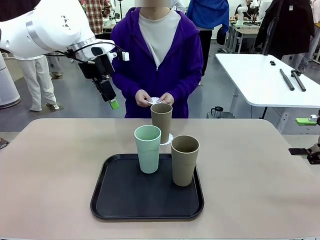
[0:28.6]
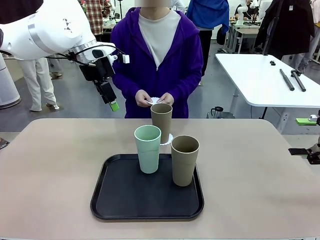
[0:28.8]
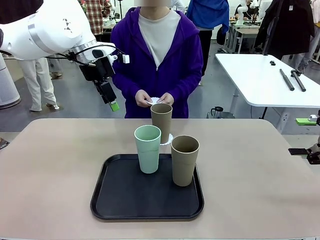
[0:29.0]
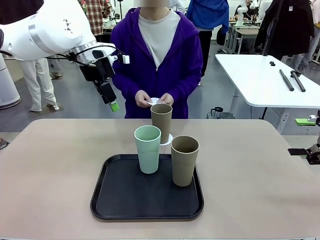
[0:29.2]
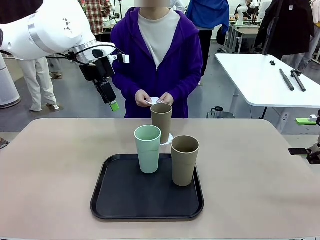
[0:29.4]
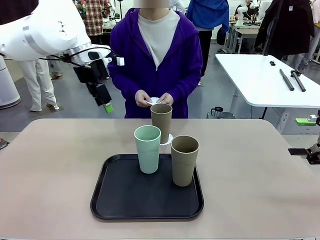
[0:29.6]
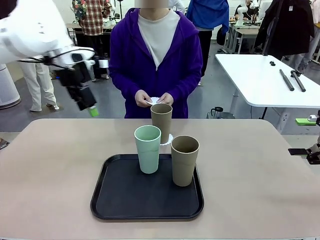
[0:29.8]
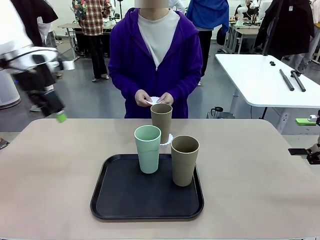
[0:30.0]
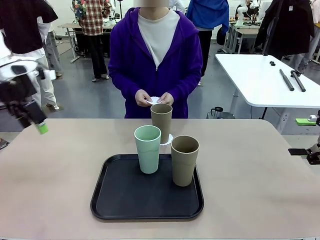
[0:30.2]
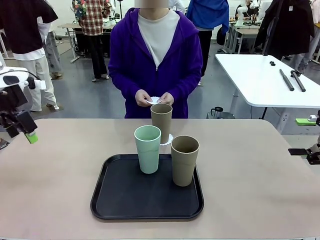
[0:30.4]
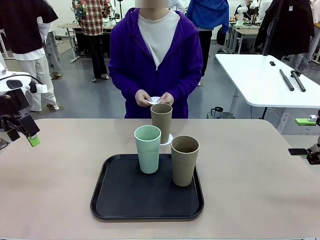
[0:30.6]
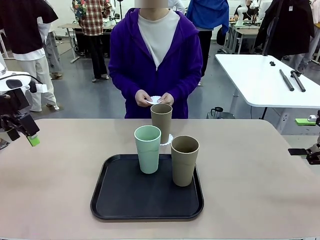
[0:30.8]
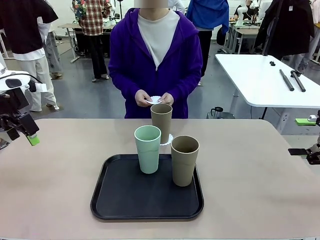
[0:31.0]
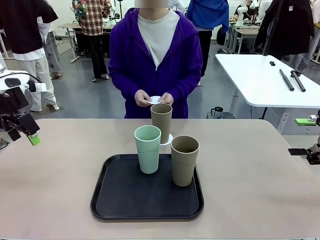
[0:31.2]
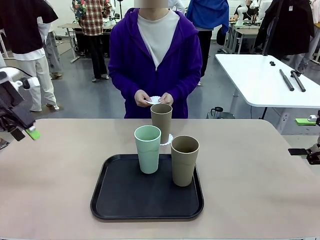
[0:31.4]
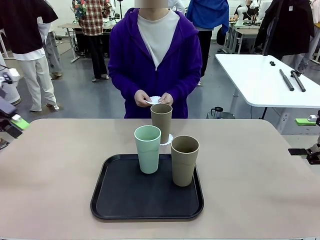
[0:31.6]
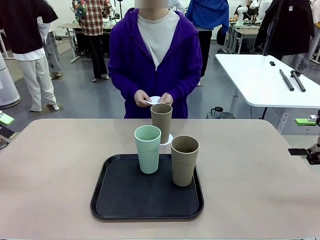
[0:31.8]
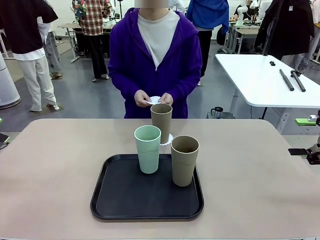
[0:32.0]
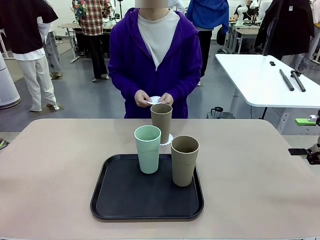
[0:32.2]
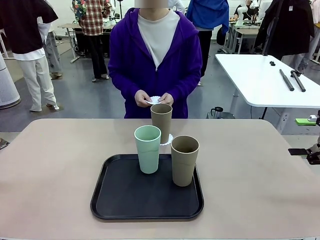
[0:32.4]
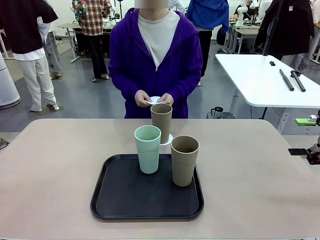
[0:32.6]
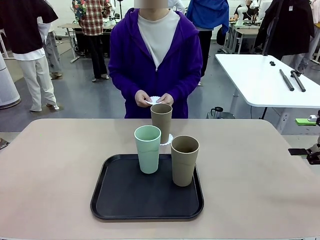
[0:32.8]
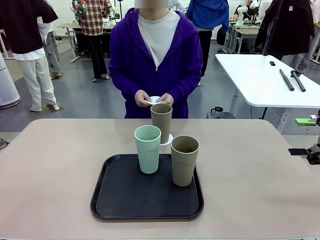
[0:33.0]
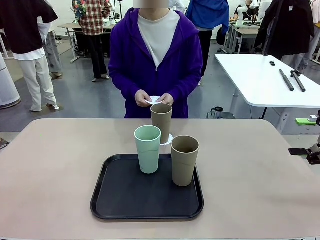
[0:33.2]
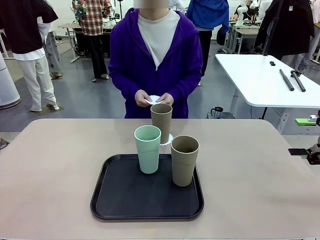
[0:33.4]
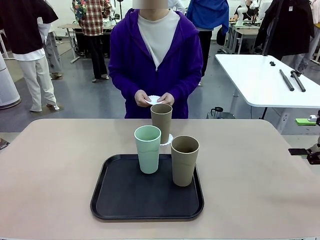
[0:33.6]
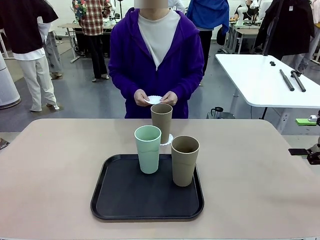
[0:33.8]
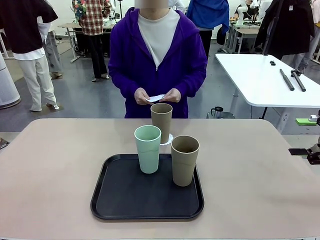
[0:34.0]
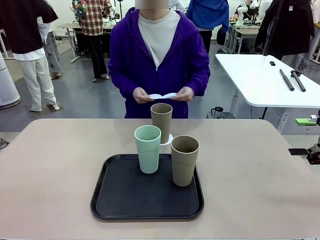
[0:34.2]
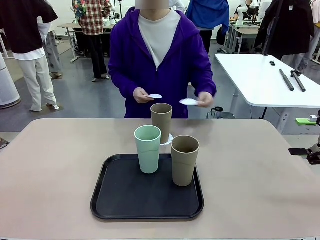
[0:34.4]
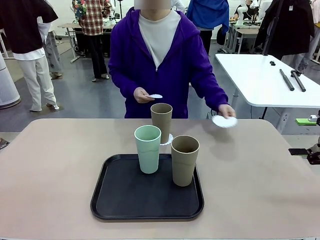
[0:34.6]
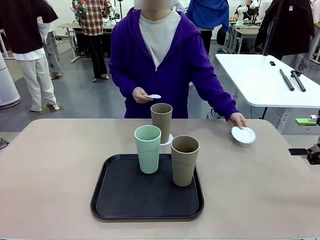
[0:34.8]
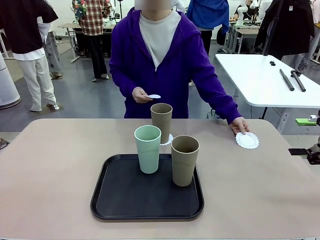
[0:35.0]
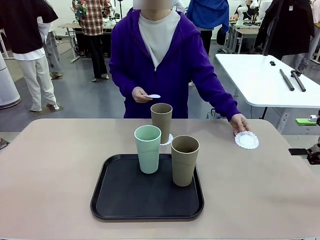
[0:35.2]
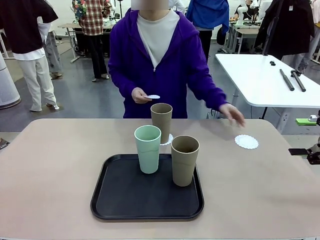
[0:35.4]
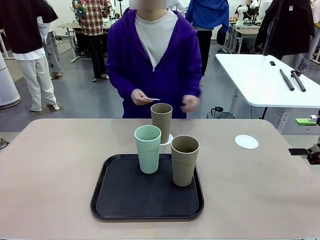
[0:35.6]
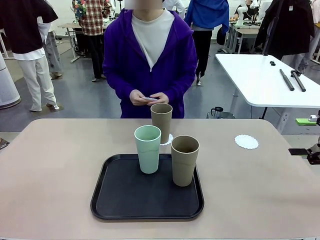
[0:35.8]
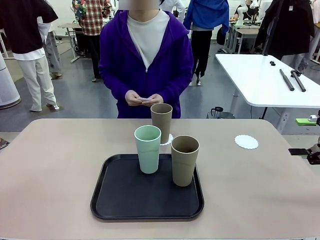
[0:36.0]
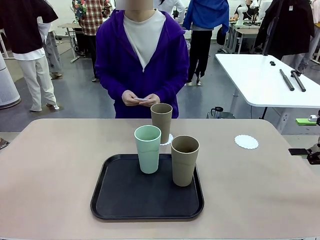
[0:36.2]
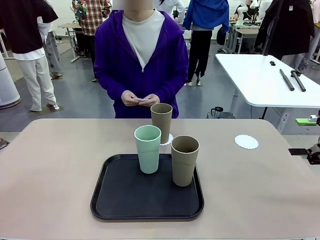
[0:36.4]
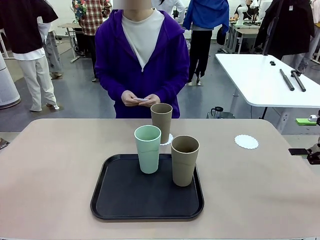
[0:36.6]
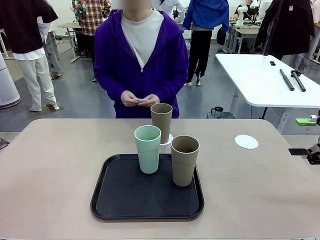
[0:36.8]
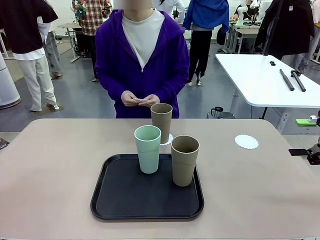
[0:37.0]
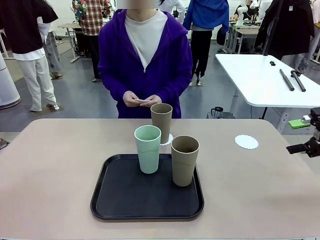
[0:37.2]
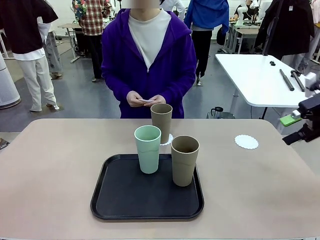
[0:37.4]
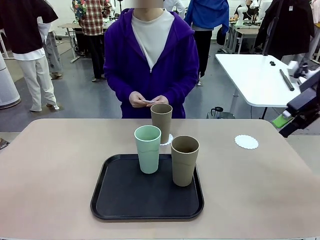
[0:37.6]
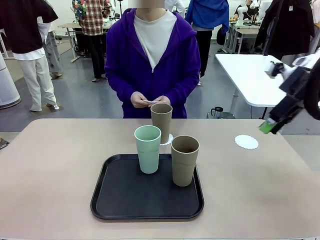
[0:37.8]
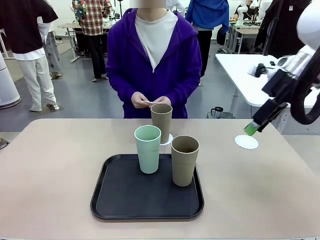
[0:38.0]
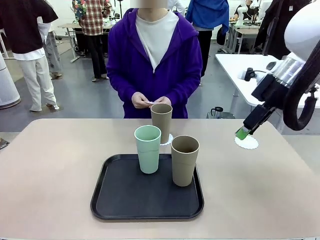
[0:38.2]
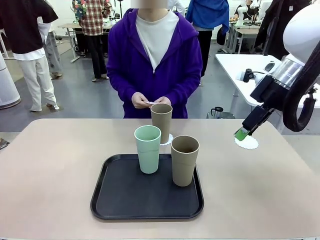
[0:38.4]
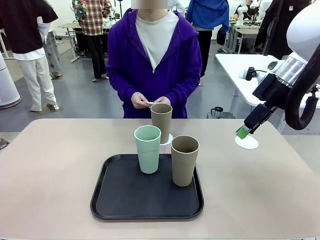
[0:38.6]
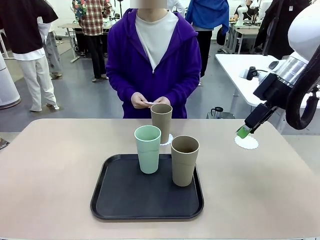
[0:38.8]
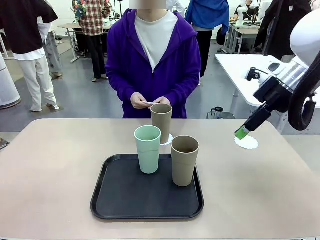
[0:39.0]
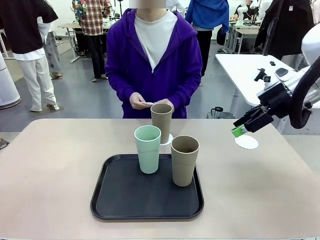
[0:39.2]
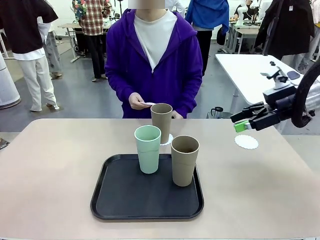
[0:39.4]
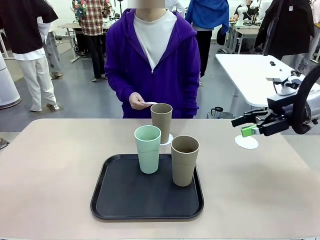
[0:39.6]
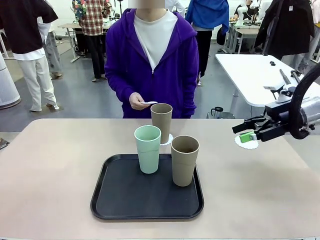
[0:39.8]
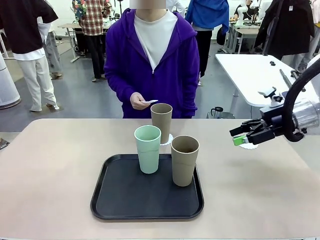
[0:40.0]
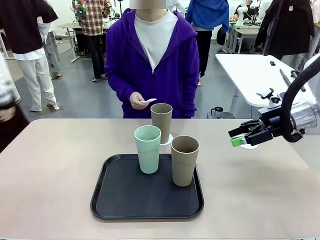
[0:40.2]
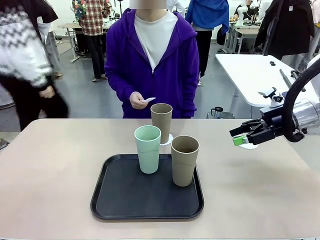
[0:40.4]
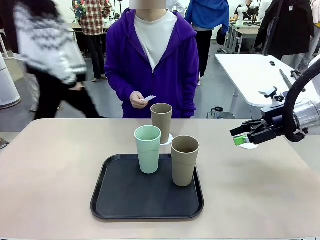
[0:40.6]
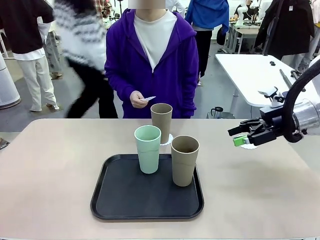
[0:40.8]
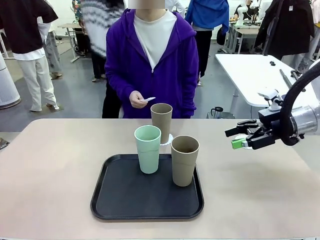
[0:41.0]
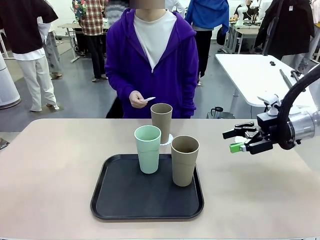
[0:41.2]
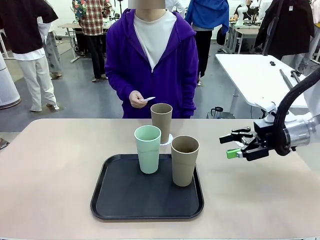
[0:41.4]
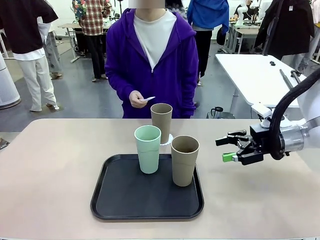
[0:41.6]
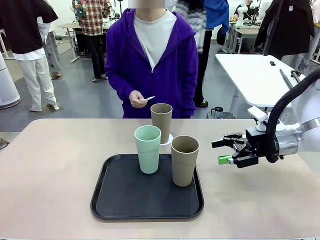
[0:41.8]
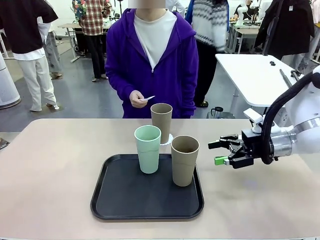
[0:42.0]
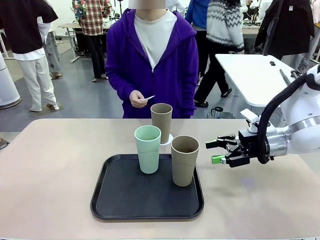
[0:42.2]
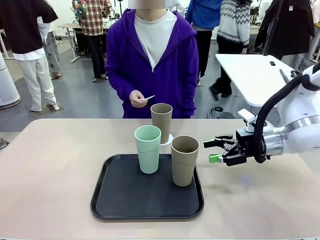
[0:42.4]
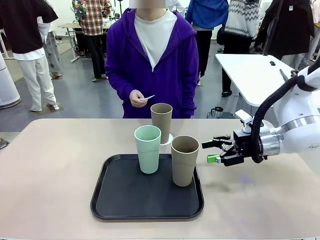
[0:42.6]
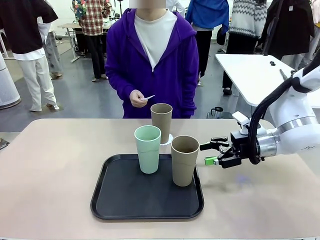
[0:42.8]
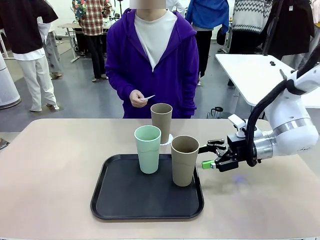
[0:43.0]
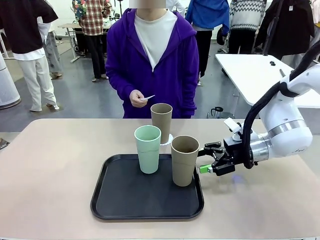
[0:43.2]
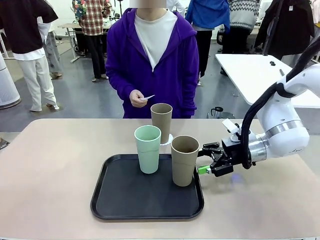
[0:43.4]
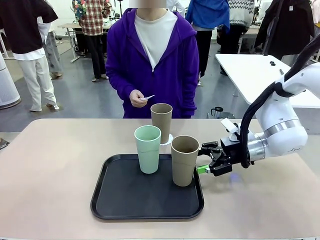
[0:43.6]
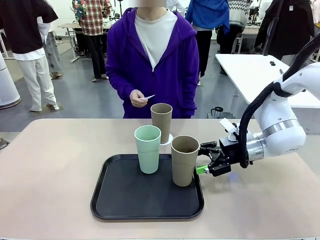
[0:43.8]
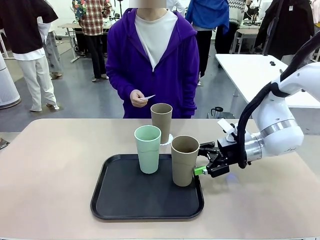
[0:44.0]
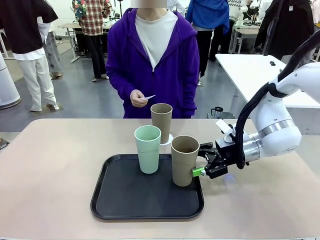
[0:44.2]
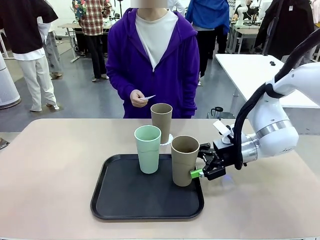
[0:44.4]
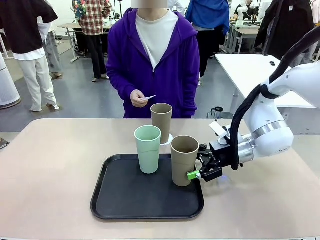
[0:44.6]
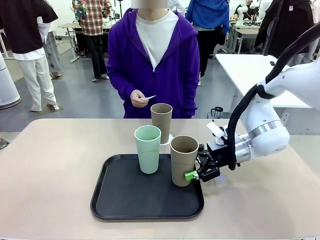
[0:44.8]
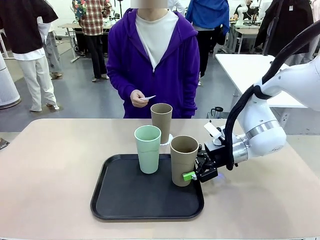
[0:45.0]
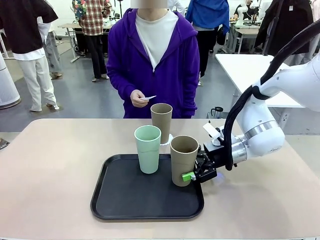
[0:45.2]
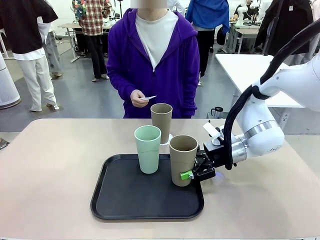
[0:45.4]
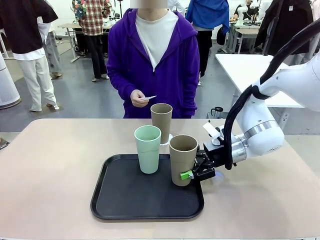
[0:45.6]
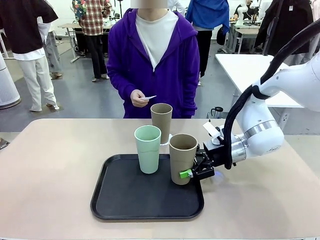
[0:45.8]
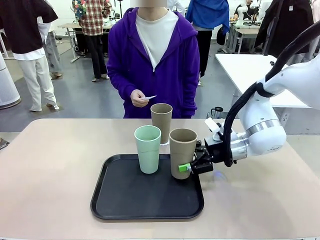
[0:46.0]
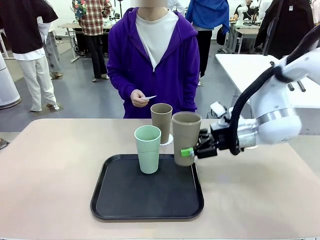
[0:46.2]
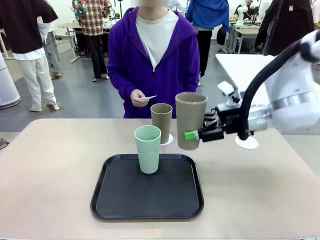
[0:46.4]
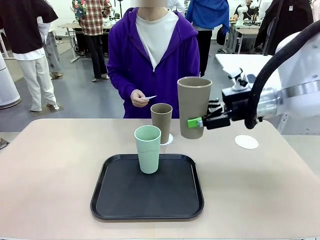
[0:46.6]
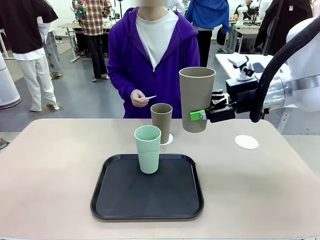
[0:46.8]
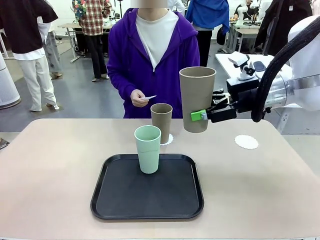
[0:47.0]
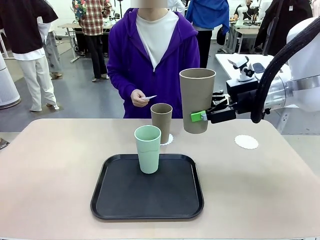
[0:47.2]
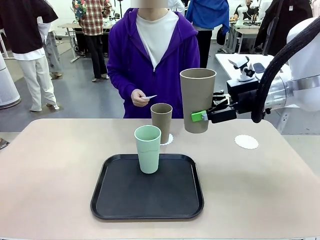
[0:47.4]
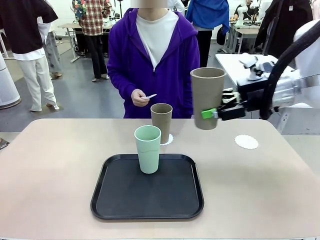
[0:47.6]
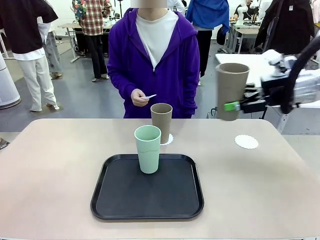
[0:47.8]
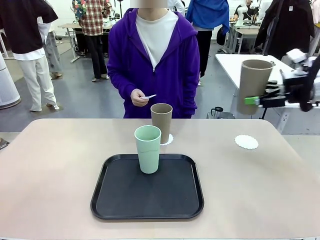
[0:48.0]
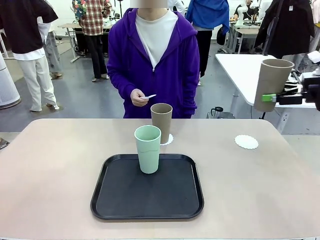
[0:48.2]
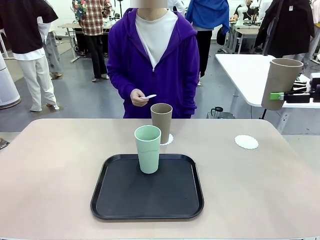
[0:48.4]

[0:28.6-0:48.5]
Task: Place coasters on the table and set cups on them.
Robot: Take one Reusable plastic cup from the Flat Tray and place it on a coaster set by the human.
